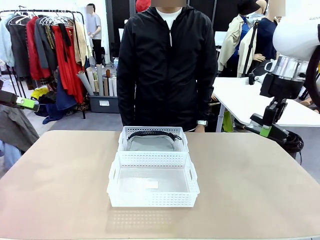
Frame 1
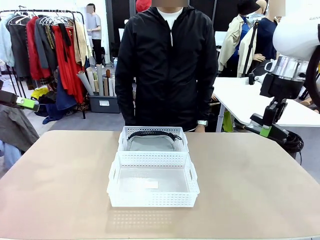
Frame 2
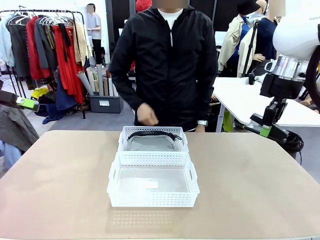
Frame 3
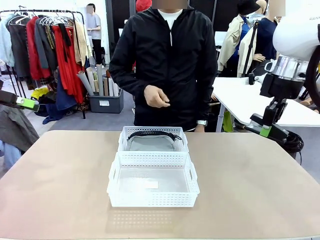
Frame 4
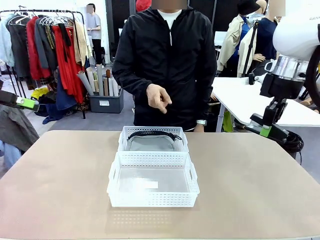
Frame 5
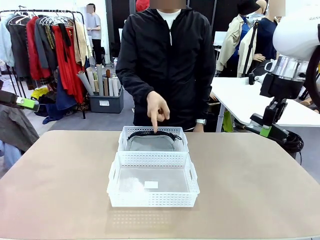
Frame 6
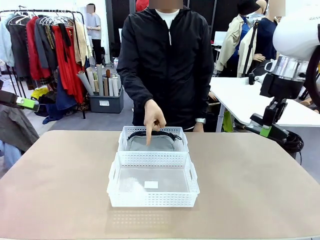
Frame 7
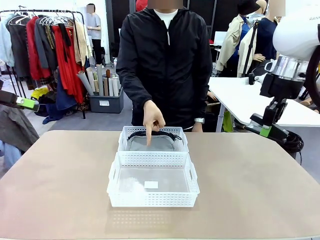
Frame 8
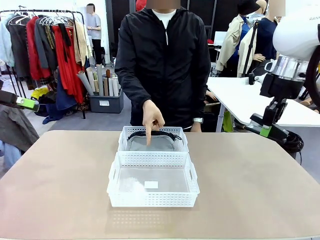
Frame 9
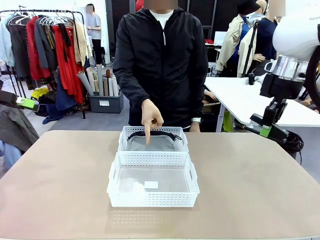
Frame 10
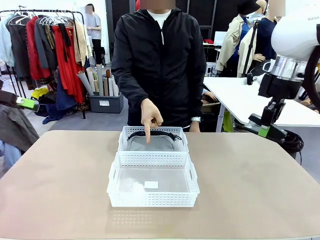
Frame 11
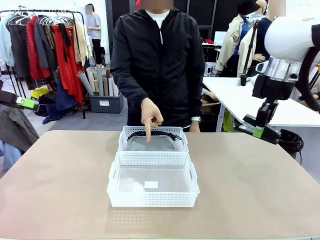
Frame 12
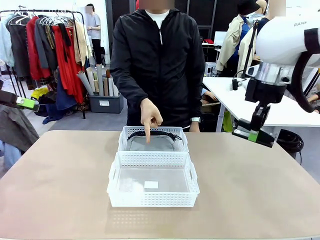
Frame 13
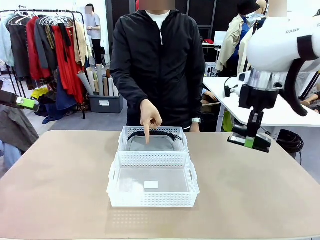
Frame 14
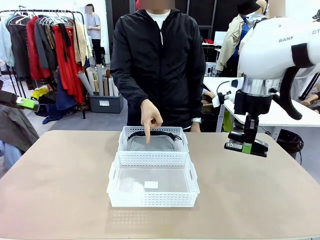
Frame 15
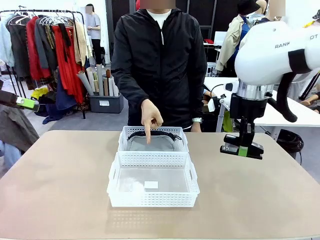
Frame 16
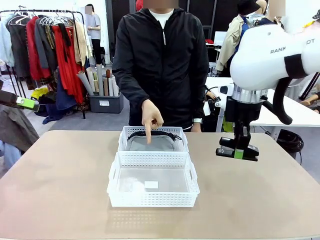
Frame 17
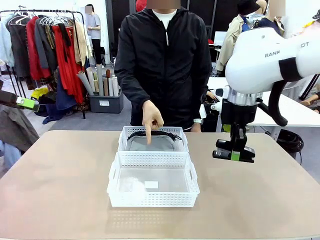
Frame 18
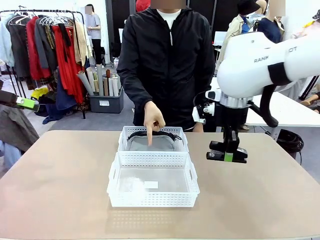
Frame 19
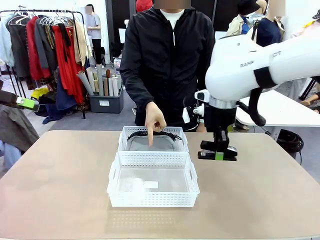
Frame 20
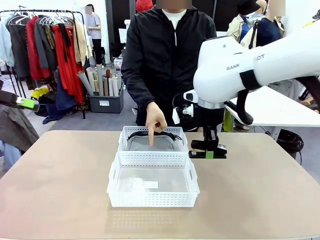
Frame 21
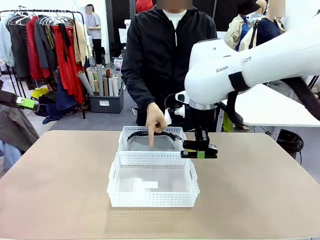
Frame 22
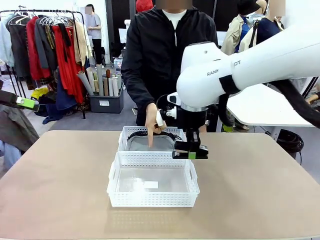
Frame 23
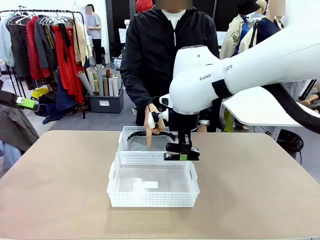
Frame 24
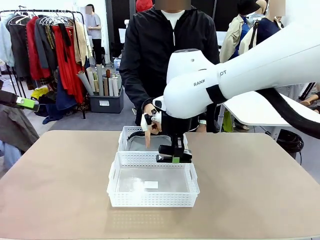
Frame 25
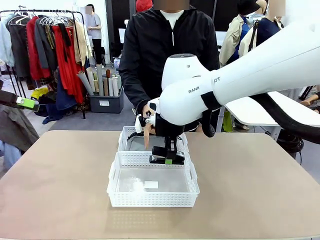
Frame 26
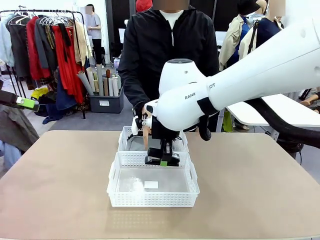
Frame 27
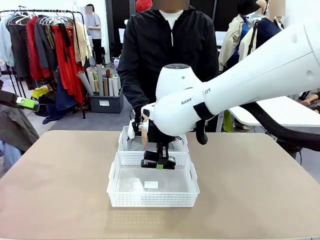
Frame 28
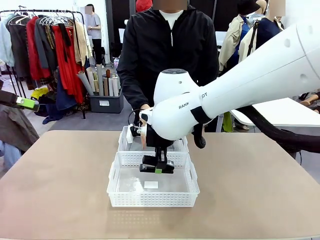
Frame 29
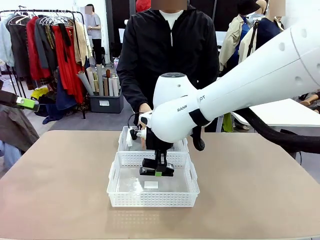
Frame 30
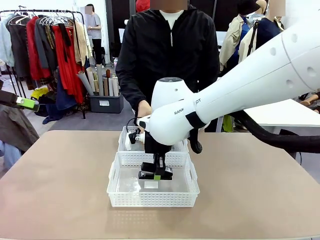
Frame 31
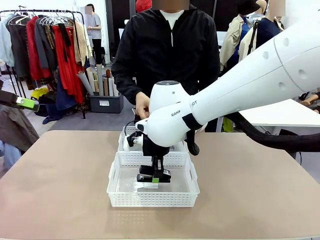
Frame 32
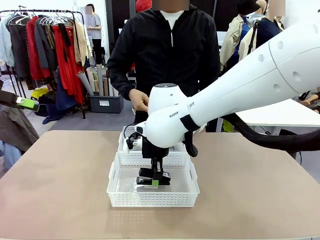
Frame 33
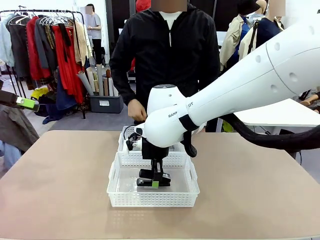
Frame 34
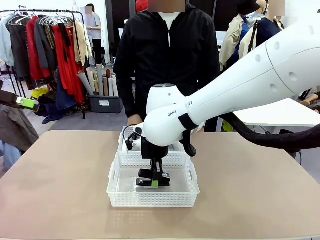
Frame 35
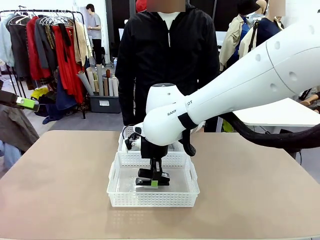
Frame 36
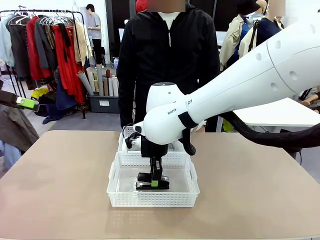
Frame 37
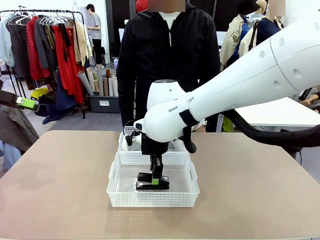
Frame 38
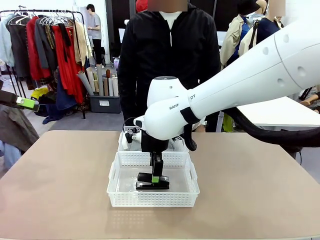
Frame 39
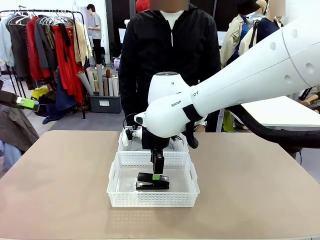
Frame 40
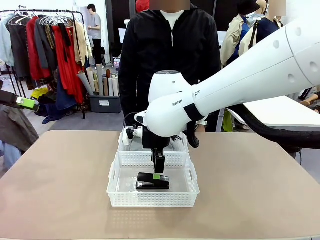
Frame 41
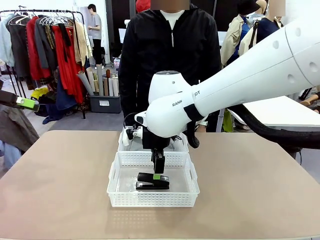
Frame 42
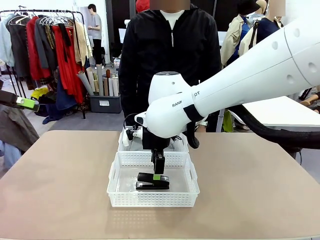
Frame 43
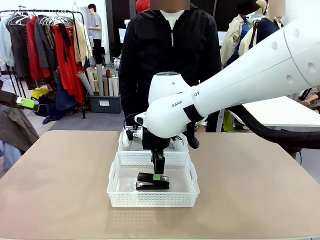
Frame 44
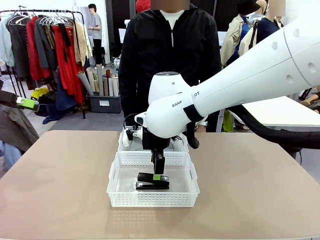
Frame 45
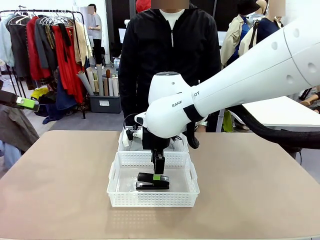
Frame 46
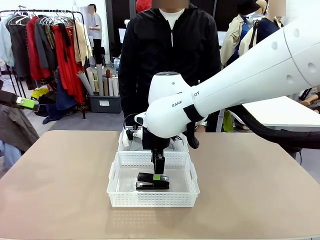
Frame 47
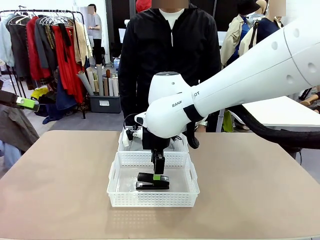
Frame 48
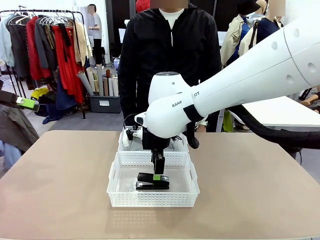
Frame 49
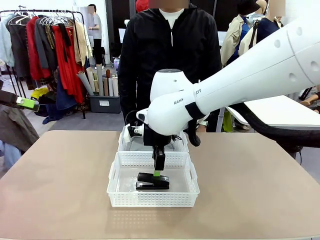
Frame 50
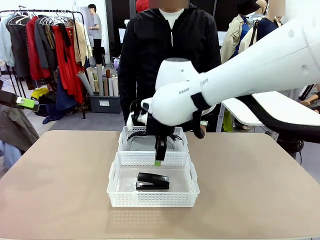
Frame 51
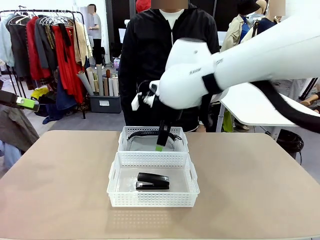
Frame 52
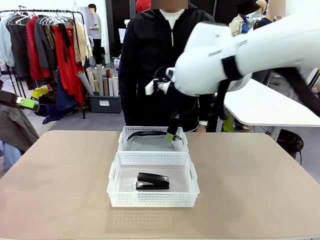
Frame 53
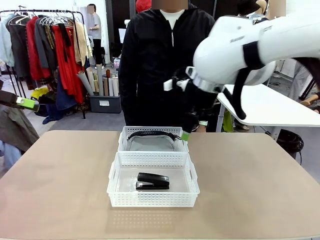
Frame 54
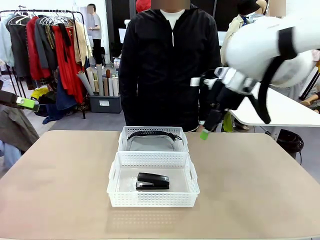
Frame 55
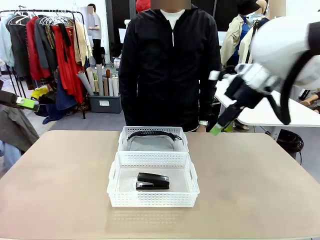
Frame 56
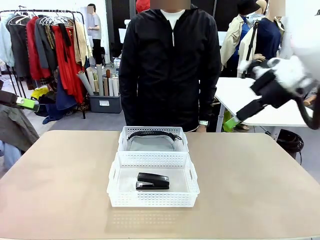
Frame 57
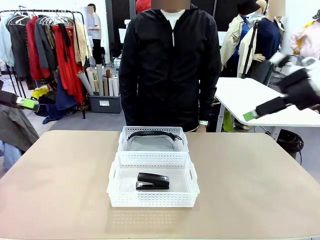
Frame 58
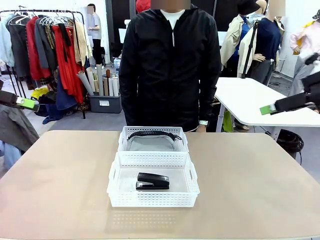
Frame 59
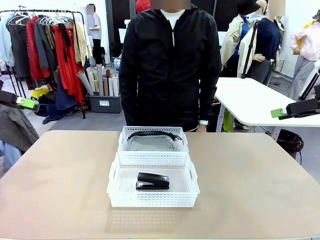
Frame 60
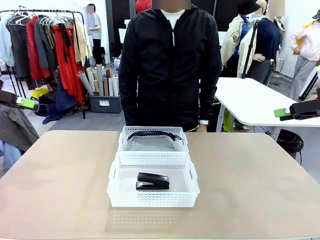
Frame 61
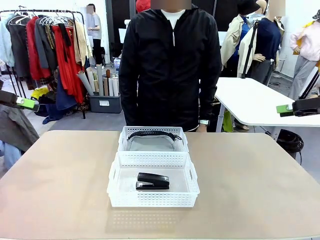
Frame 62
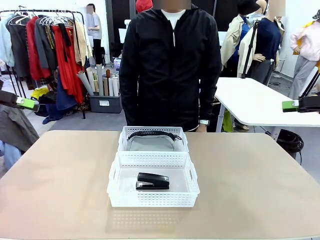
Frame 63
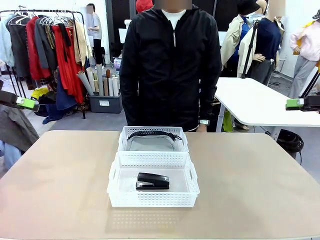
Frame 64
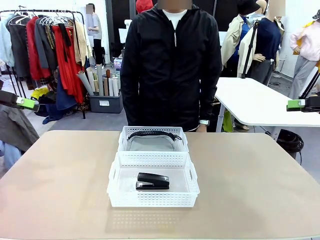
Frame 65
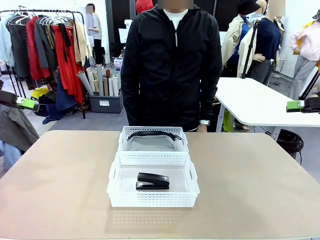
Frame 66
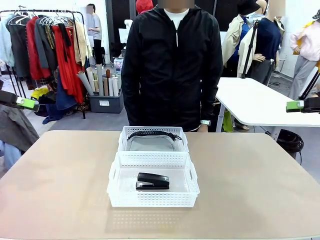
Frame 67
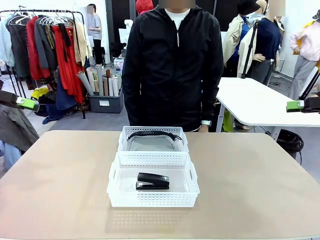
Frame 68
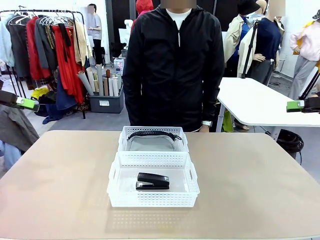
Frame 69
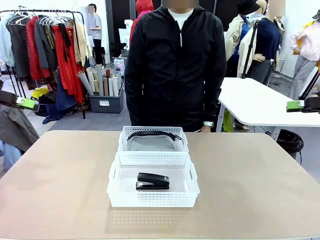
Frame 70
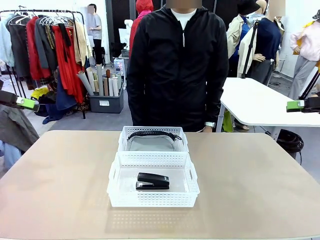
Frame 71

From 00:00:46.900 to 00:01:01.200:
Task: Distribute items into two baskets.
Robot: Place the picked Stapler into the Organizing basket as instructed by the person.
Person: Points to the basket that does not contain the pencil case and instructs the robot to move the stapler there.
